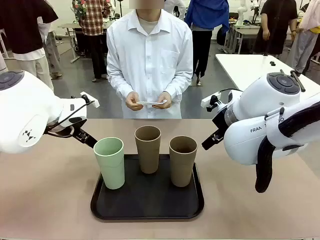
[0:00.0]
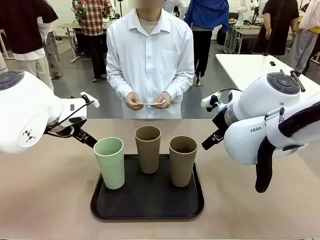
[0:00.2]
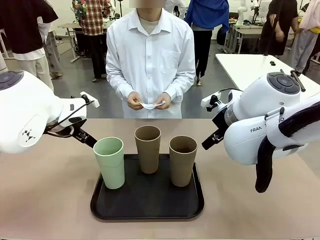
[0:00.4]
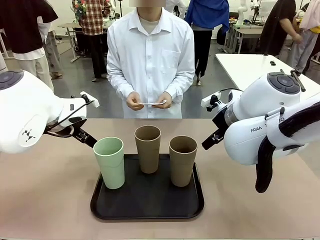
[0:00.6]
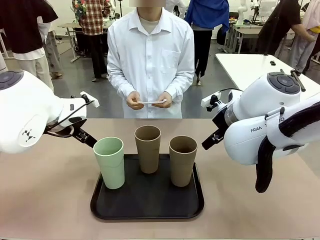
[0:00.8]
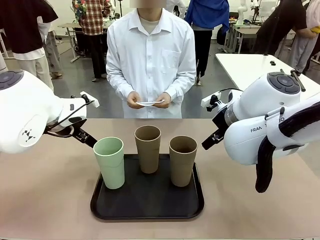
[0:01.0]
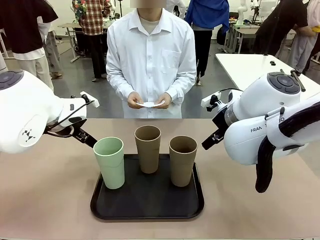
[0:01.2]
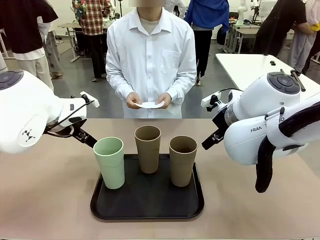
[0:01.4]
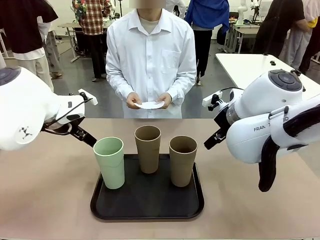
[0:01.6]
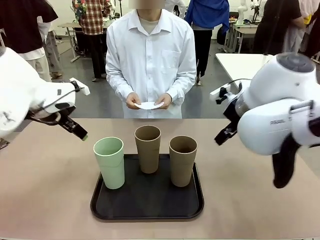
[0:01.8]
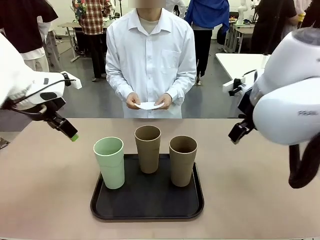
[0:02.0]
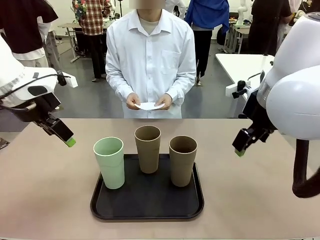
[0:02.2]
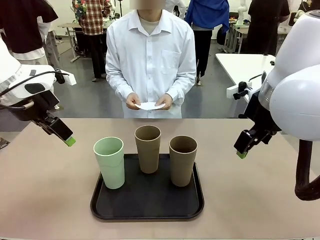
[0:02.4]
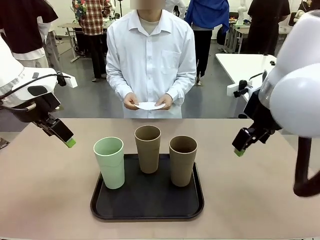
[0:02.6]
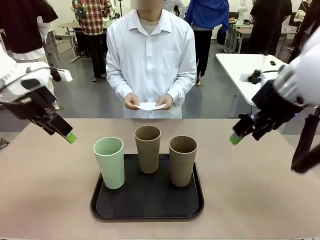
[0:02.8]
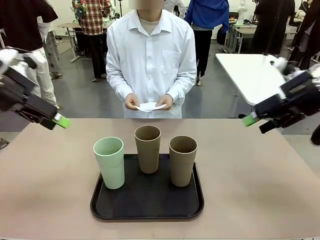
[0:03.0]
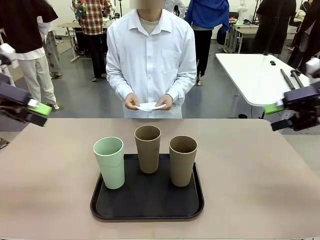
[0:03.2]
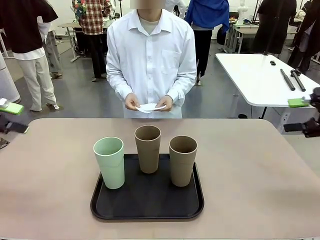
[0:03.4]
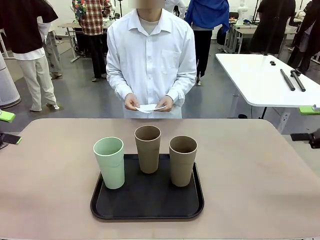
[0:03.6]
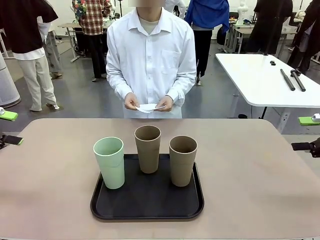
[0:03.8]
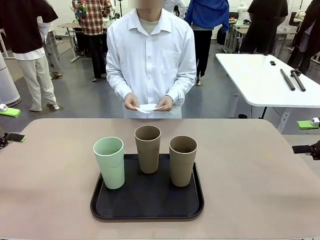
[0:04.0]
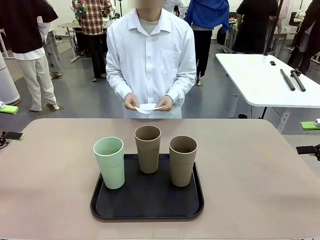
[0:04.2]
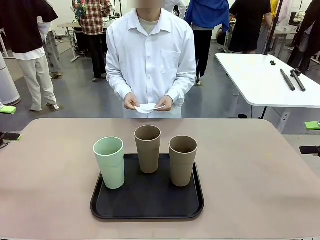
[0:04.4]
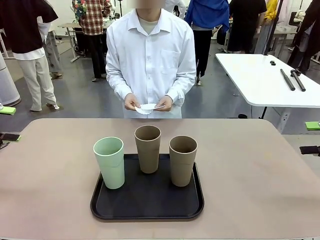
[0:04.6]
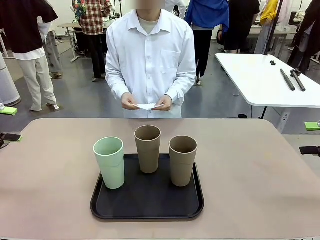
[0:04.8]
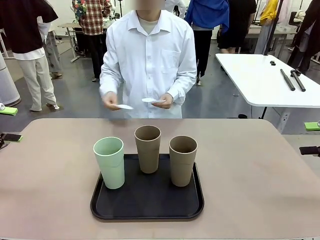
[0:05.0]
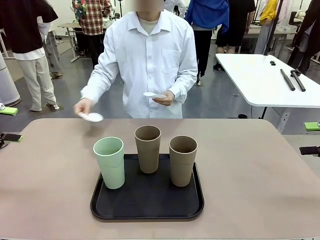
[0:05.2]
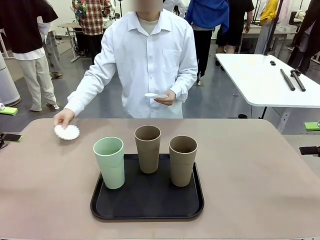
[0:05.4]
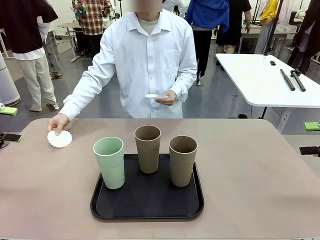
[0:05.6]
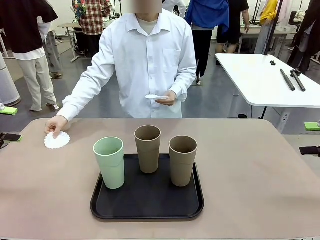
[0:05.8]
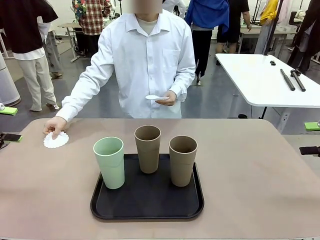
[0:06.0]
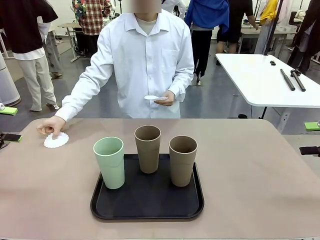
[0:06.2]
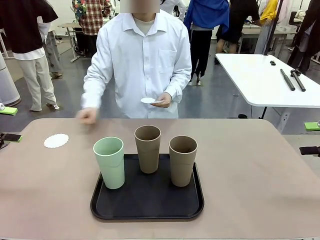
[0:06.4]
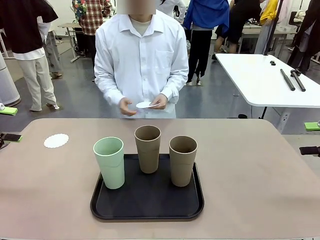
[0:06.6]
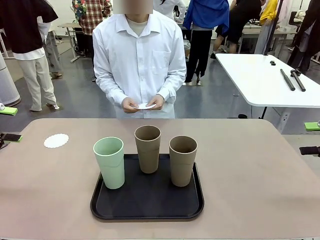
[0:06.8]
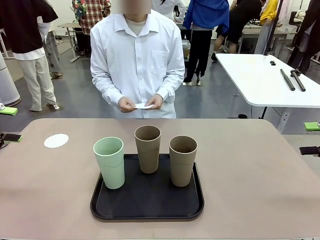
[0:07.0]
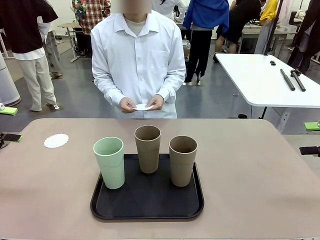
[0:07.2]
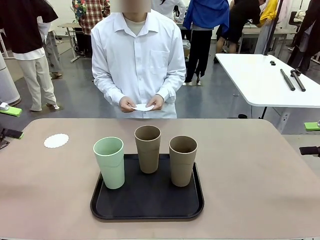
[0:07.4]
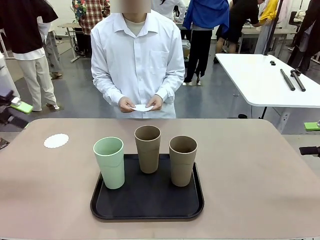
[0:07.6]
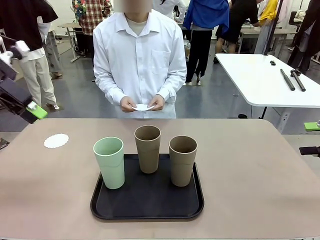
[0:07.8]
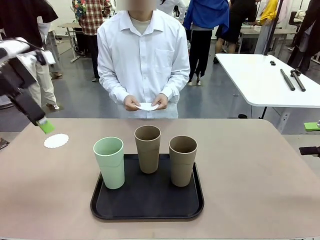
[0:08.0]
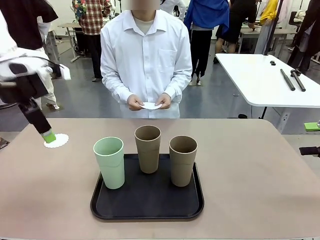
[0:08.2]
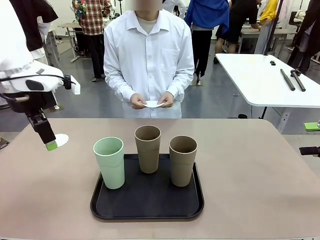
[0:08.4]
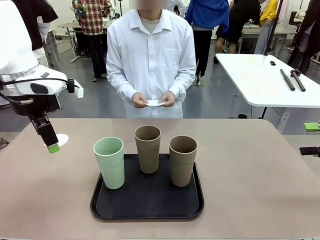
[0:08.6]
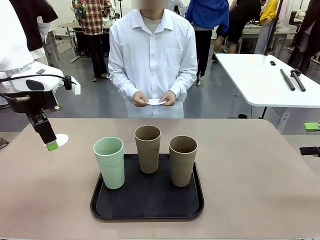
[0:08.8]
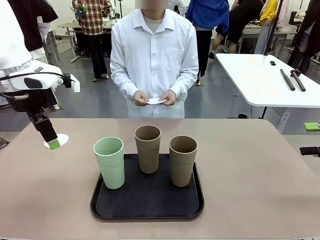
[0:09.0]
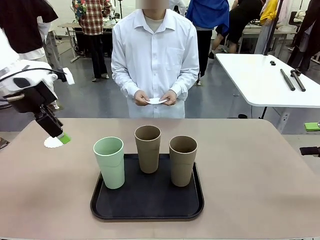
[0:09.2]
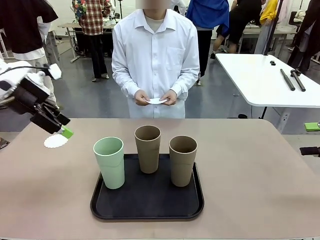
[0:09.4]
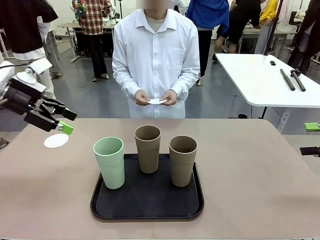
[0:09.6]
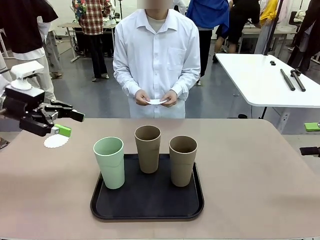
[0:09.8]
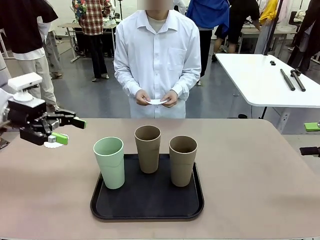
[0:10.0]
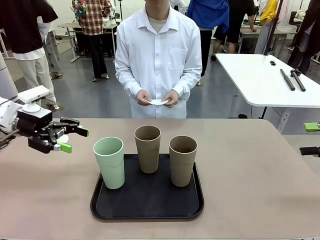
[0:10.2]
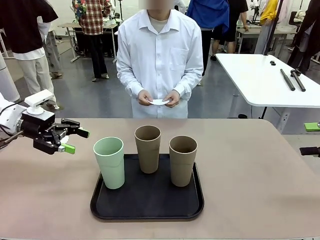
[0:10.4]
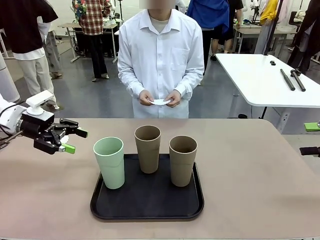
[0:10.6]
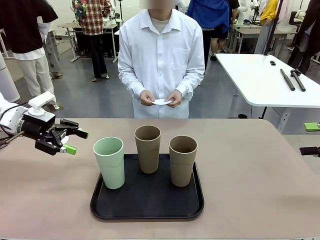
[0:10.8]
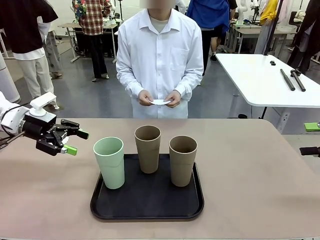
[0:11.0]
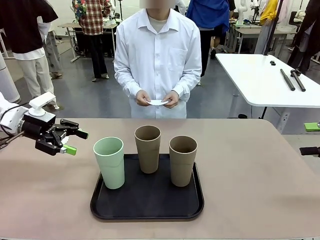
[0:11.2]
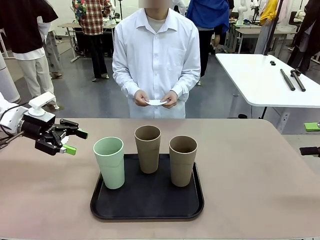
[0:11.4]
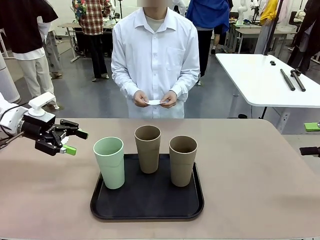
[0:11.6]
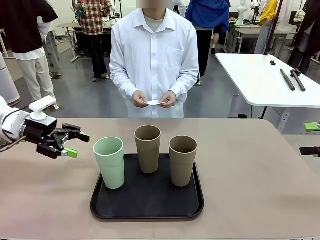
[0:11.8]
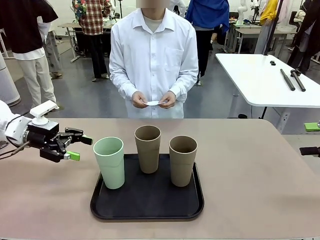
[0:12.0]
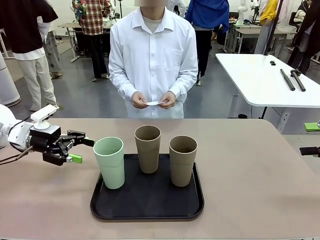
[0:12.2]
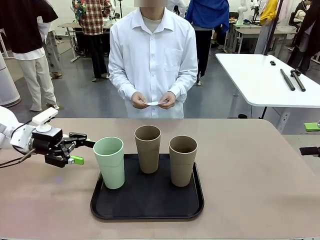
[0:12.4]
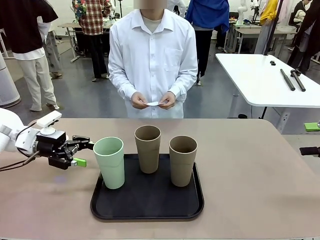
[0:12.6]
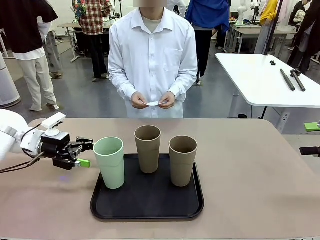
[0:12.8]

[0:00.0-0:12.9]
Task: Place coasters on the table and set cups on them.
Robot: Pick up one Reusable plastic cup and place it on a coaster set by the human.
Person: Place one coaster in any one of the three lower areas of the robot table (left, center, or right).

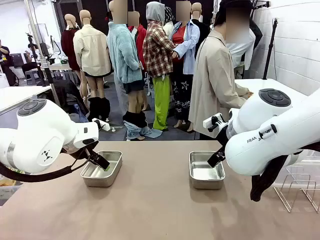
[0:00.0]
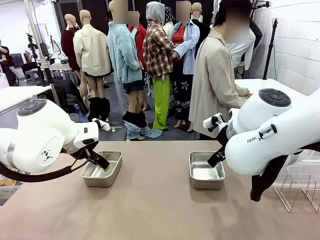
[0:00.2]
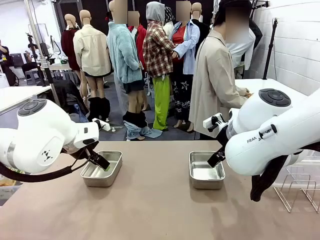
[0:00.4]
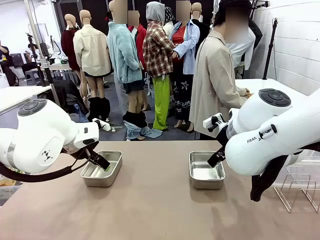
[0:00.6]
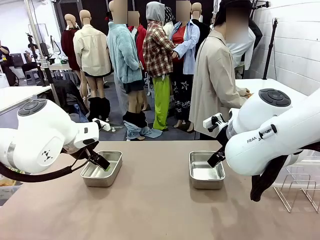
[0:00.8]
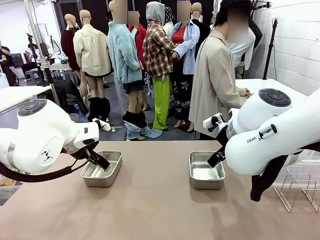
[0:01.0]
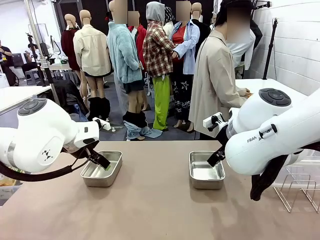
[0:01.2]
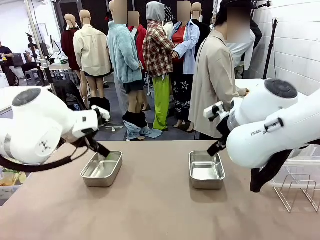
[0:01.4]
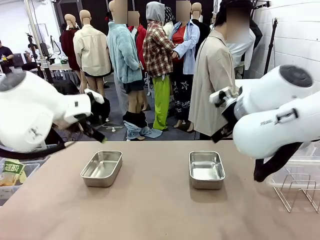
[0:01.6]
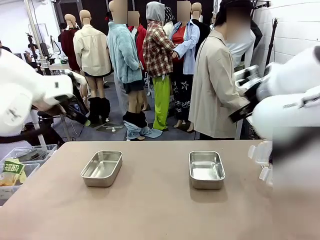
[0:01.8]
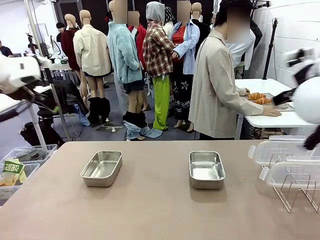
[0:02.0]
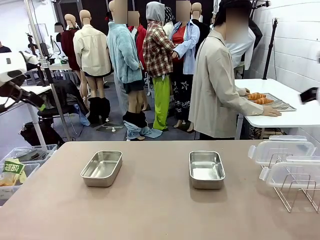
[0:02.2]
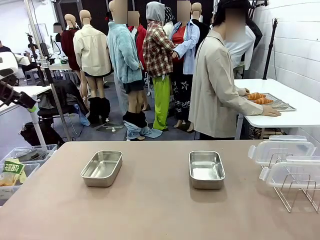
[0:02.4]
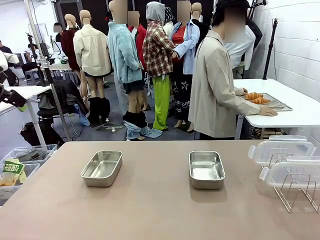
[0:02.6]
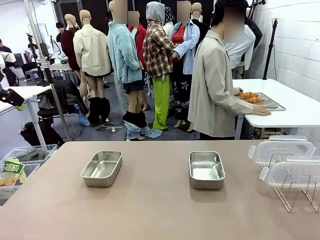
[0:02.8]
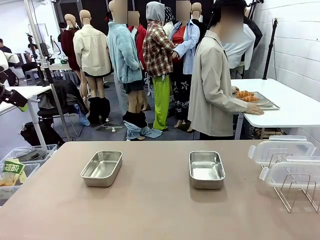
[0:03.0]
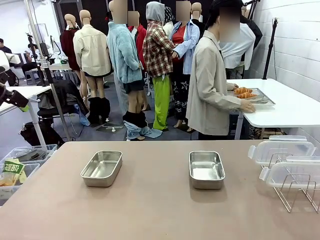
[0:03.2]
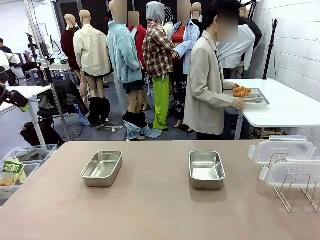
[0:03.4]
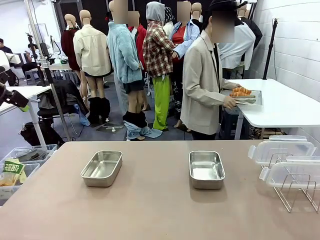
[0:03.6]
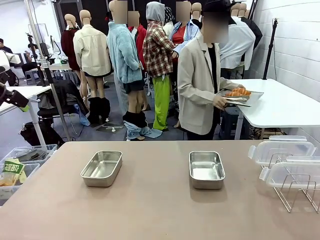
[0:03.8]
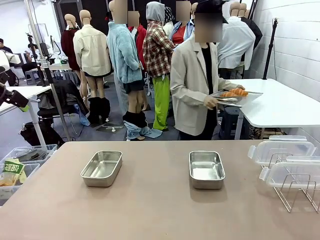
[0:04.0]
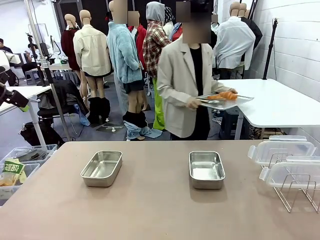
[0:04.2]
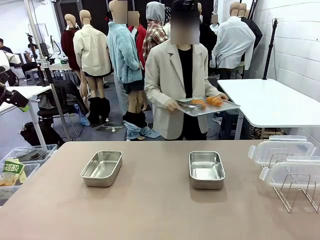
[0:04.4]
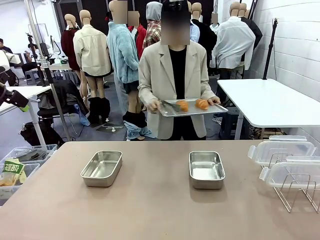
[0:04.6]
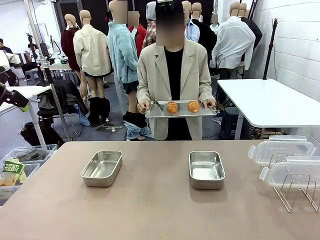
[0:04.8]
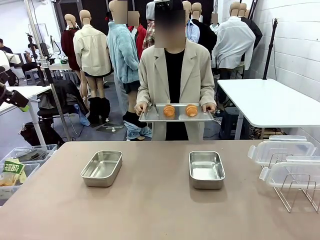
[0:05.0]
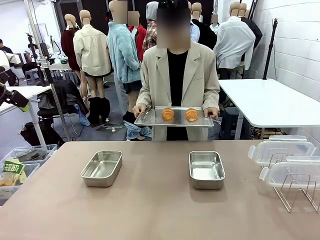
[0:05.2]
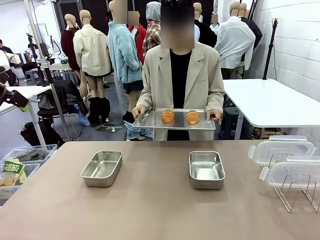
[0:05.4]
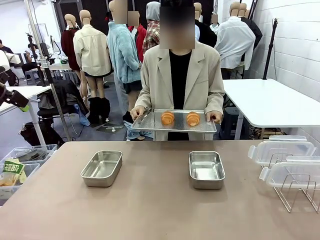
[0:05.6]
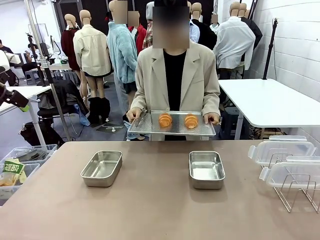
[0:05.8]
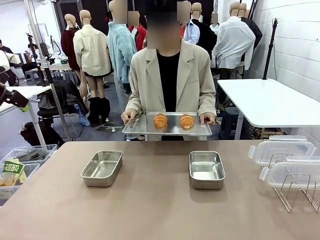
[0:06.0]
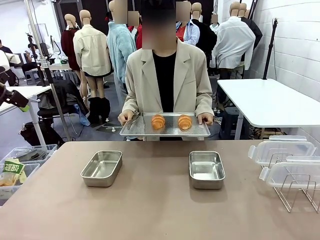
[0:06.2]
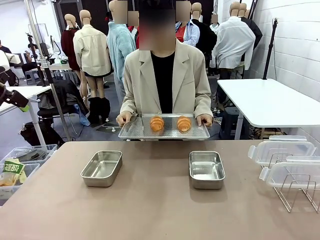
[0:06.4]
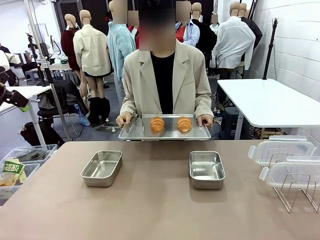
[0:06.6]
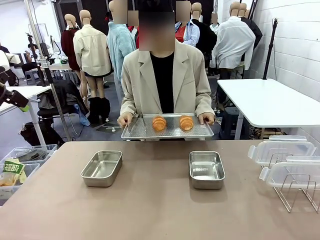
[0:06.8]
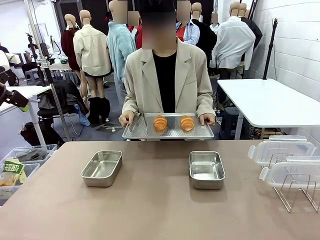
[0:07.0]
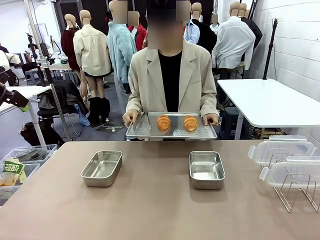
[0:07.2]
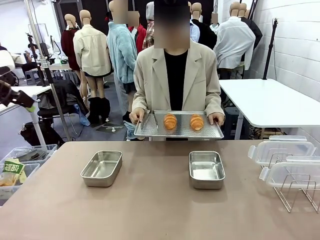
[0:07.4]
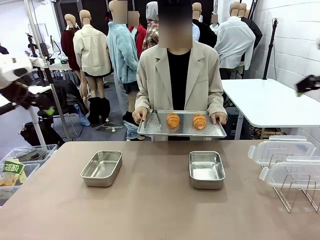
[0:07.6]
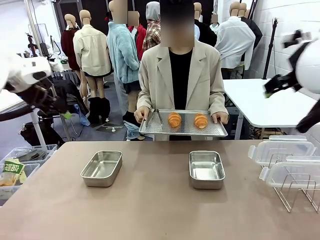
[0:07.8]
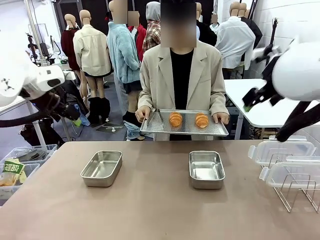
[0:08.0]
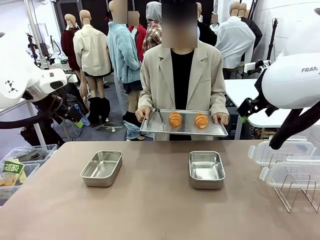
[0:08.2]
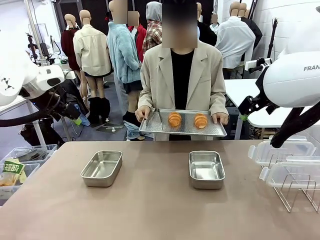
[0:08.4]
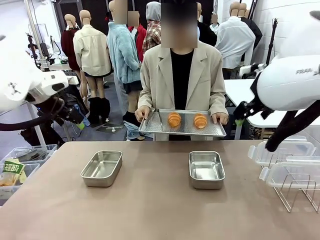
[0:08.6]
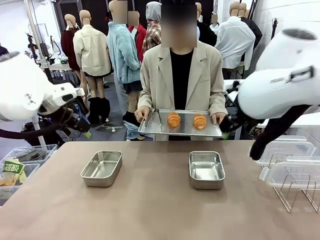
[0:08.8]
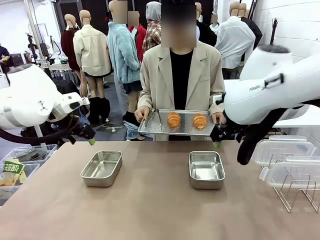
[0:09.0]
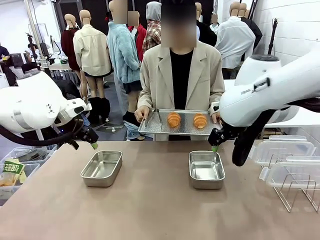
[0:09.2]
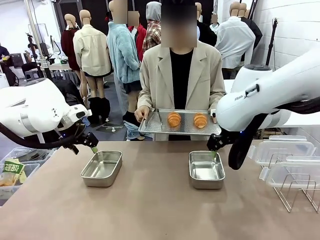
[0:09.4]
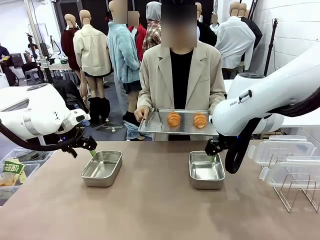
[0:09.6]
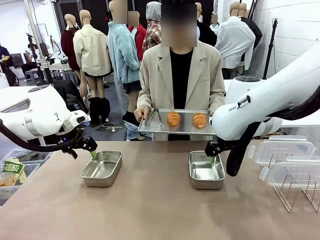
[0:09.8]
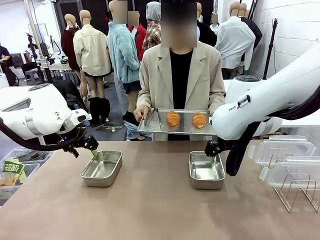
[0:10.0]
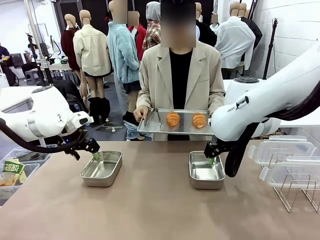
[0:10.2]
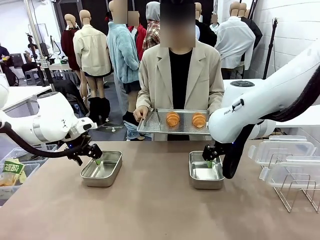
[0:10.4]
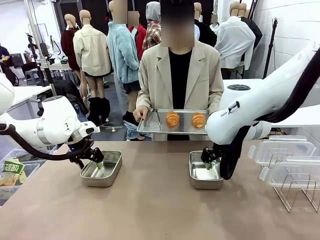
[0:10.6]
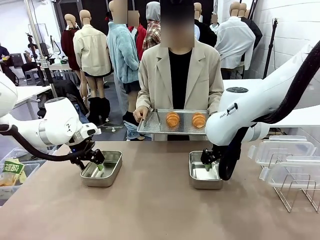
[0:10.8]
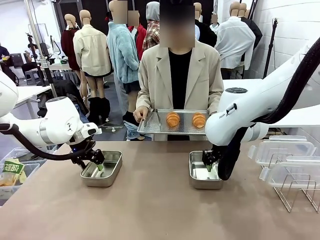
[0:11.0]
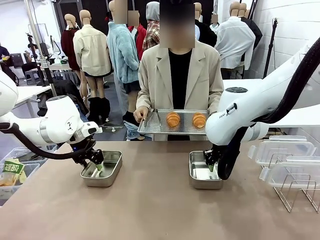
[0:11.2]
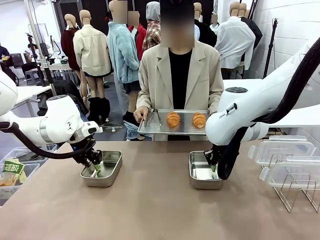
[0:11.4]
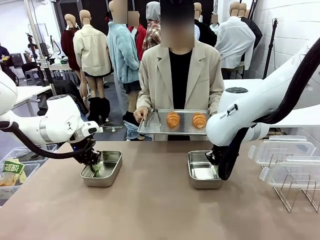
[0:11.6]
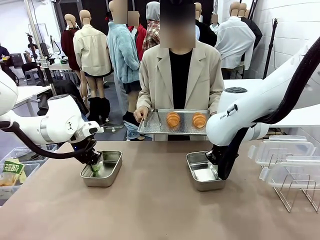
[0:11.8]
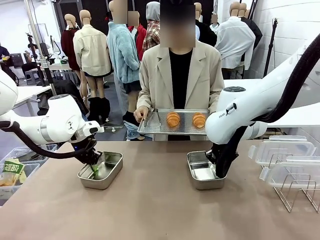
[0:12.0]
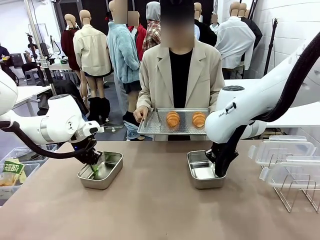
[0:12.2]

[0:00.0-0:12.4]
Task: Place the bread in airtight containers.
Robot: Lift both Airtight Container.
Person: Bring the Baking Sheet in front of Robot's Table.
